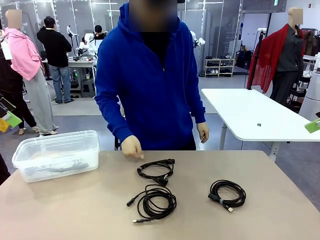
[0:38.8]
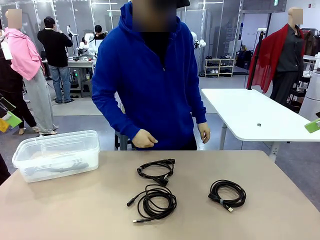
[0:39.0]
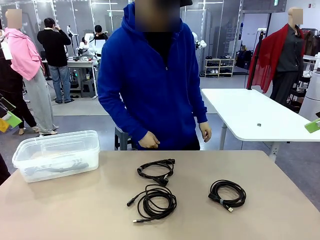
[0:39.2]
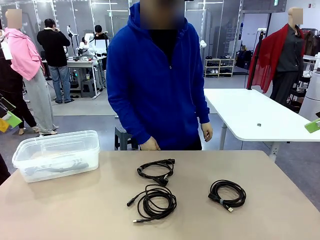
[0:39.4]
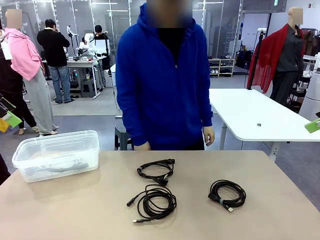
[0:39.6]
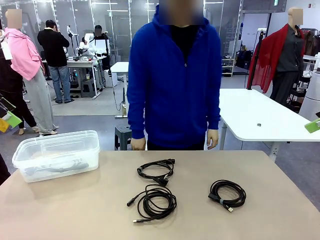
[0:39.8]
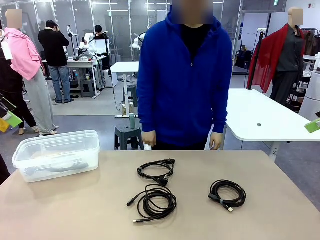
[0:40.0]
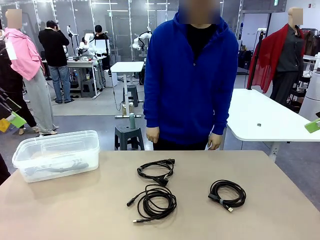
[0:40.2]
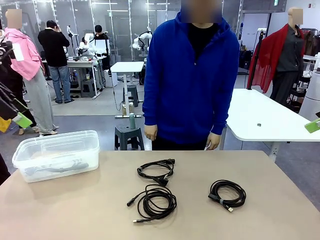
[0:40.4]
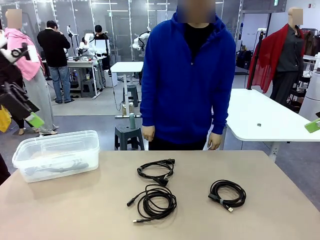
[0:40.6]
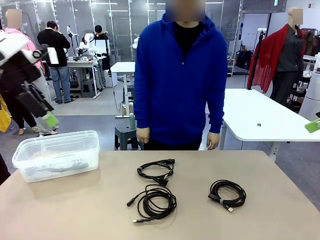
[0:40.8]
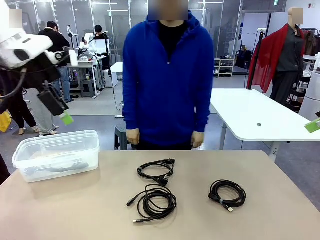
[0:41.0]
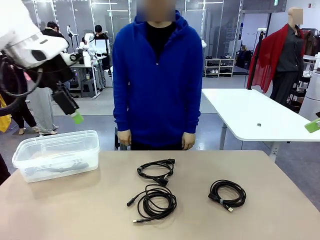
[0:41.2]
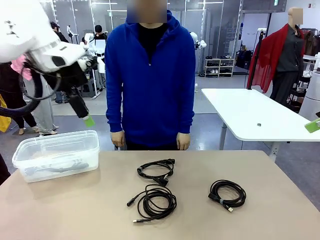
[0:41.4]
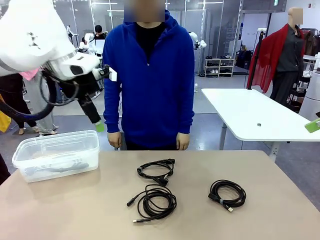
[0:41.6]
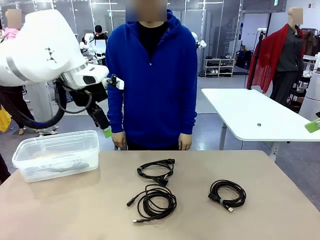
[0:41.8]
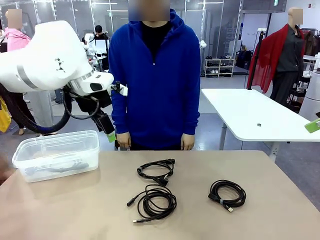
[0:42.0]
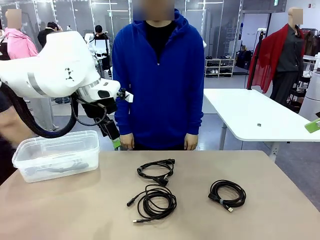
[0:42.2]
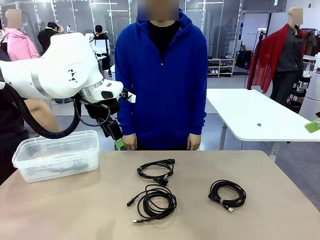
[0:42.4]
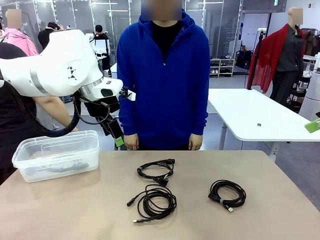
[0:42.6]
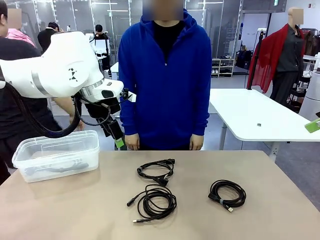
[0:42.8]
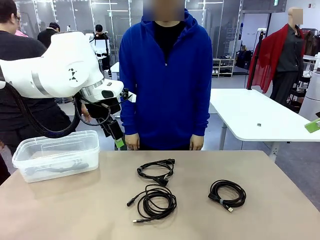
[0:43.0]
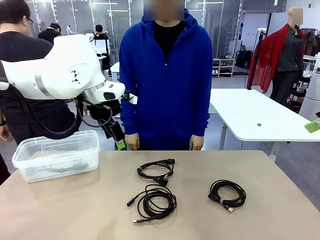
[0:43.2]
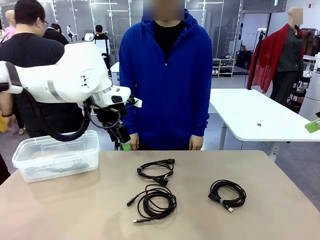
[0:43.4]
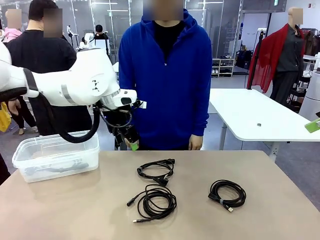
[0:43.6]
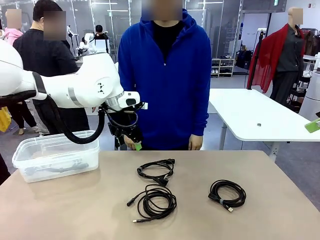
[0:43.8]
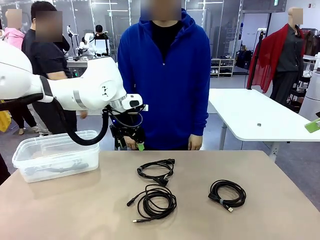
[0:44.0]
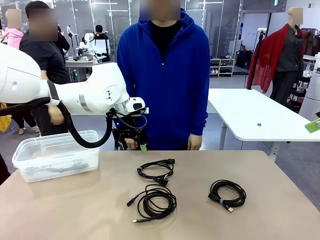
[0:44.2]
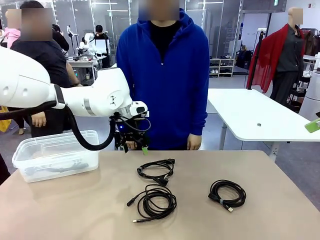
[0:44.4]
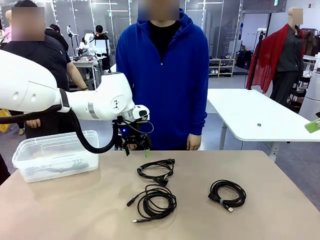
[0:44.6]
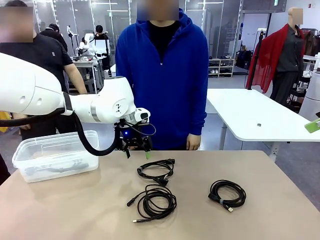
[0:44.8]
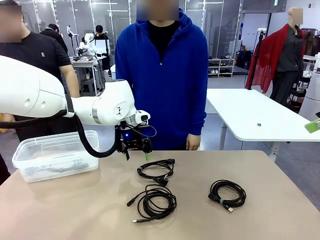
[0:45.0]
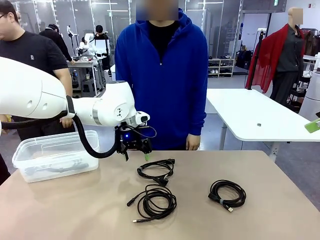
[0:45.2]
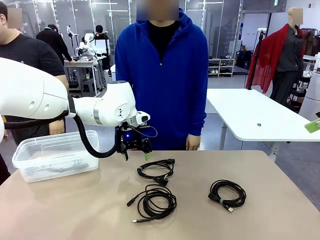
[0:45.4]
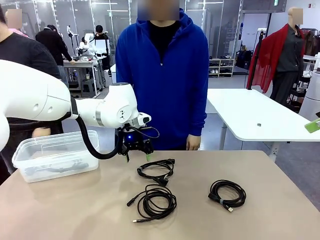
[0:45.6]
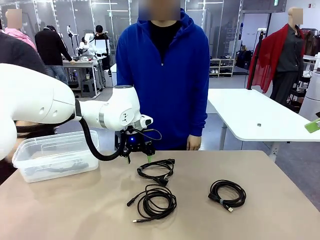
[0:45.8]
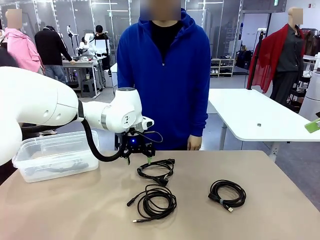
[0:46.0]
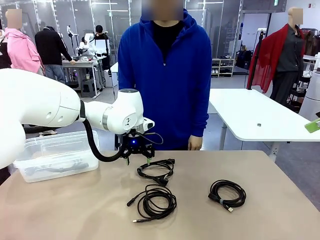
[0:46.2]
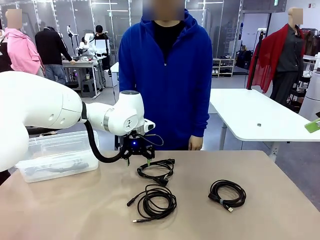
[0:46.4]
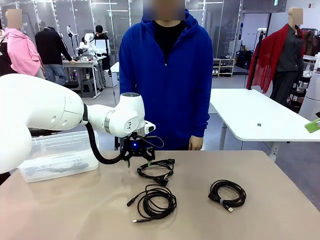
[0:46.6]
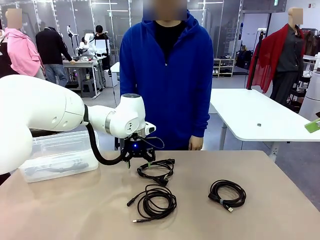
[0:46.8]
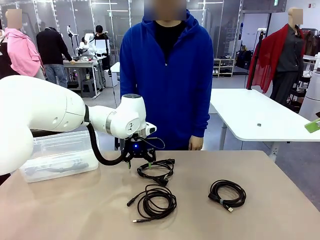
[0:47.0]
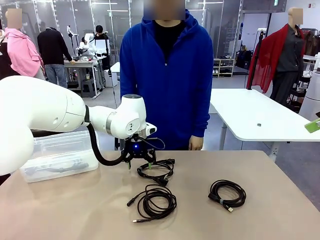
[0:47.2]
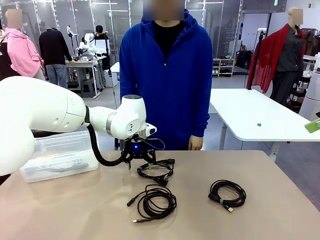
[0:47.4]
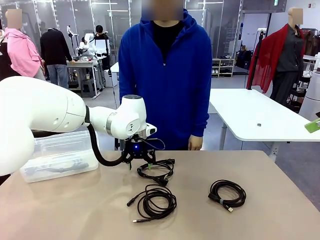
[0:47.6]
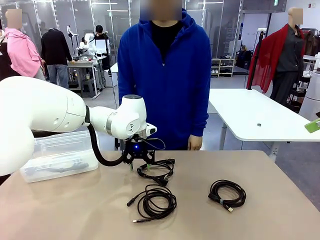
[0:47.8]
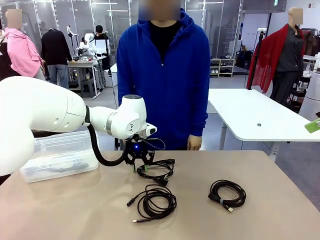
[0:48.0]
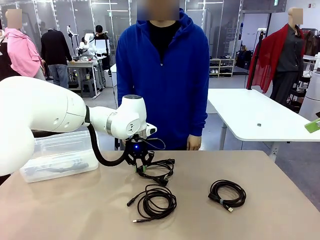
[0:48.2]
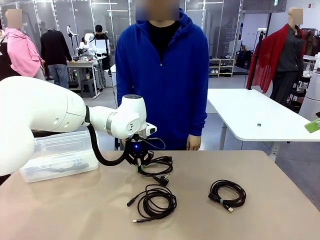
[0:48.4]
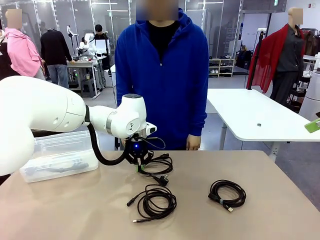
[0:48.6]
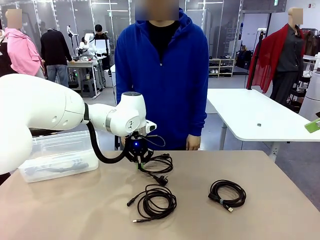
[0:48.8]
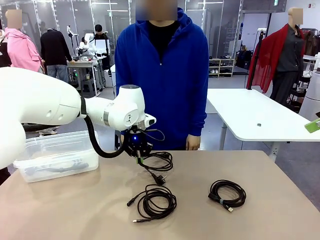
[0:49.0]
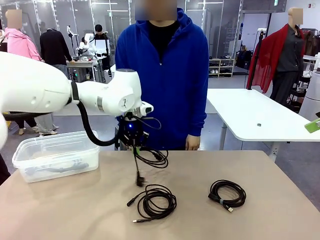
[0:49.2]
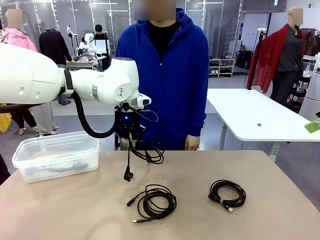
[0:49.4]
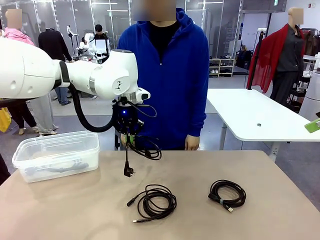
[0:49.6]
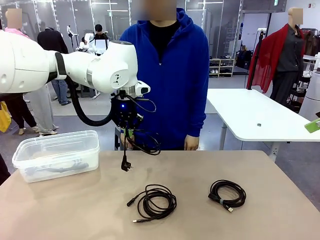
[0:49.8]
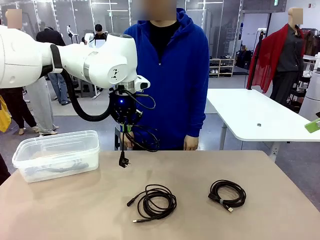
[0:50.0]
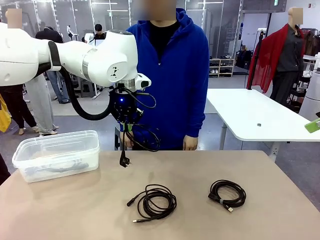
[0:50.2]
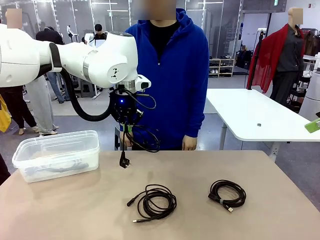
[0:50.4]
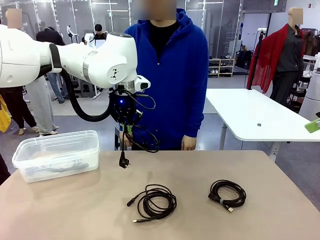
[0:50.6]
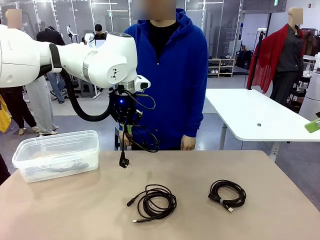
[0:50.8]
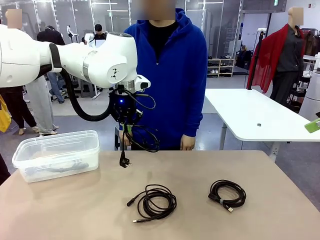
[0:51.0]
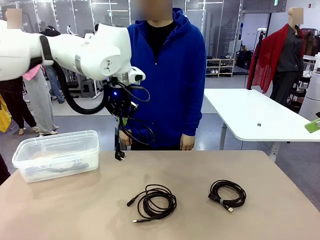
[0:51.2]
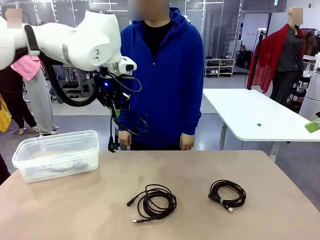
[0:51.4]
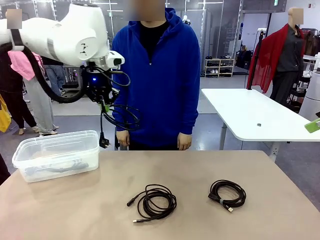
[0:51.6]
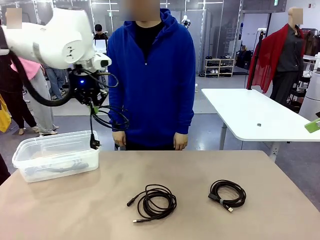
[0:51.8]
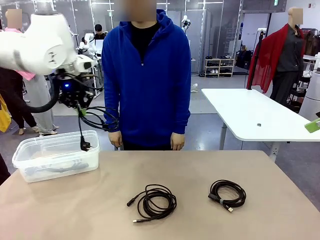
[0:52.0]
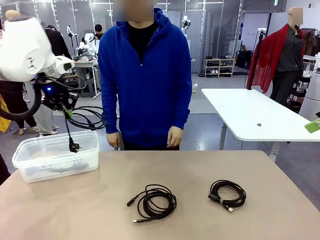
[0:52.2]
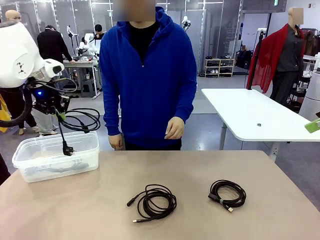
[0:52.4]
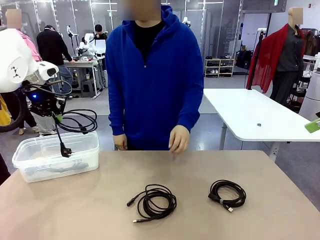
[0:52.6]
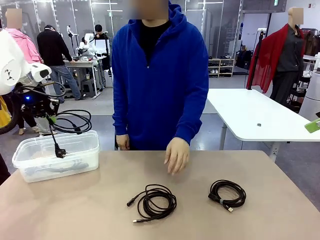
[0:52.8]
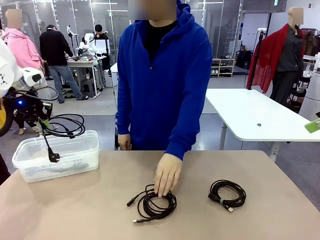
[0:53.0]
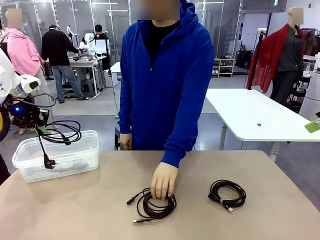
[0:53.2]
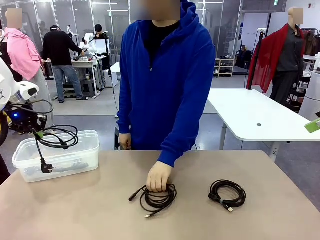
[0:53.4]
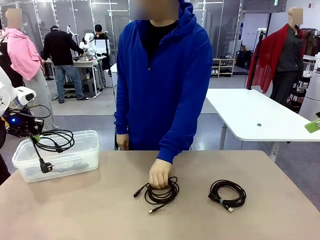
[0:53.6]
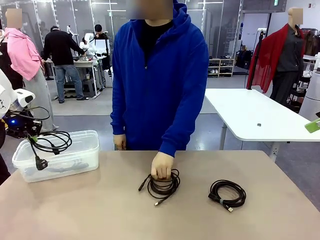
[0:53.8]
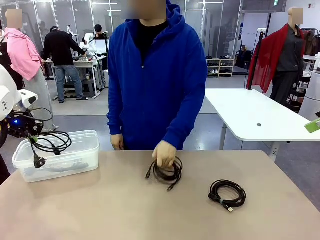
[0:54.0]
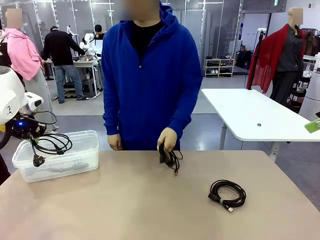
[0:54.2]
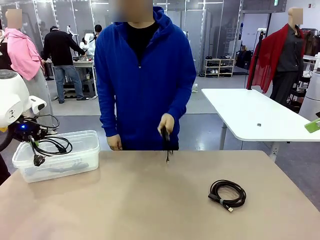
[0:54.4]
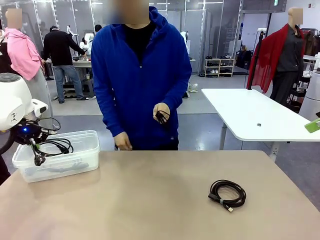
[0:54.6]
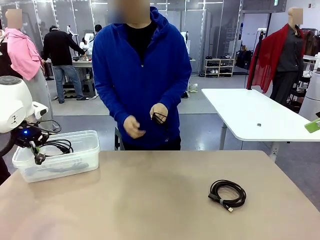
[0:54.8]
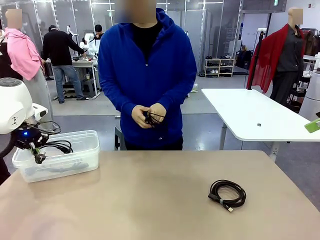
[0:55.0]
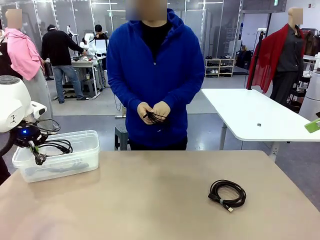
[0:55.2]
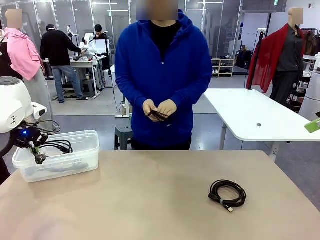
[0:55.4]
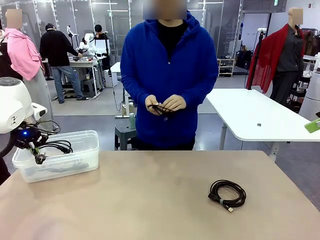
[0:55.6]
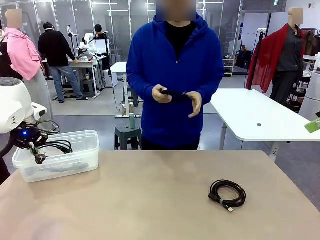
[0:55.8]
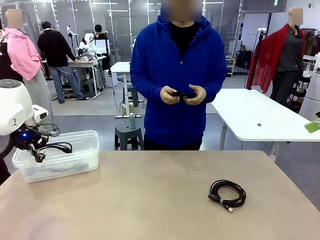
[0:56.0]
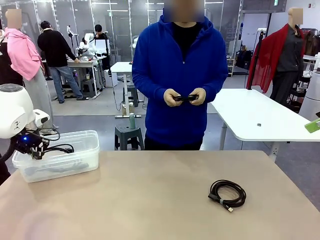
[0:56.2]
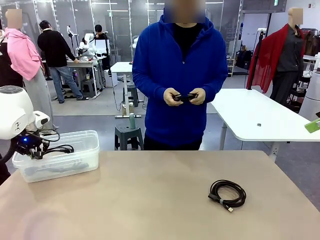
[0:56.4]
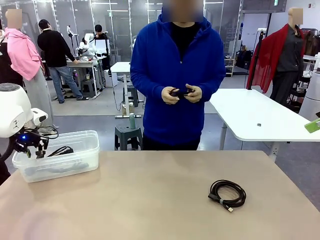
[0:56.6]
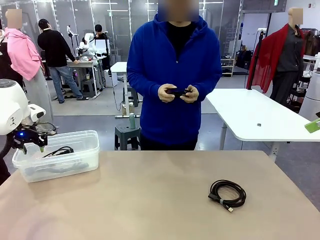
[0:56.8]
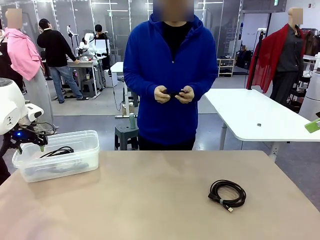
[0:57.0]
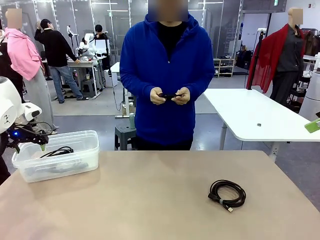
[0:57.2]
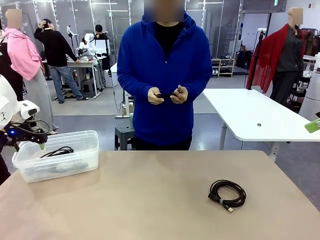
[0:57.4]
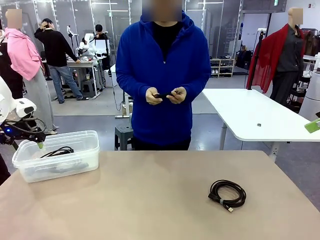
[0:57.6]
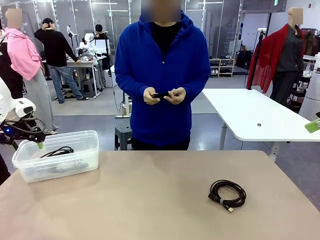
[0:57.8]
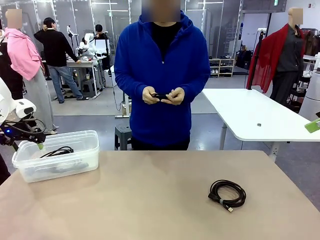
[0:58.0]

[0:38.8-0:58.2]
Task: Organize and store the cables.
Robot: Place the Power Cable into the Organizing box.
